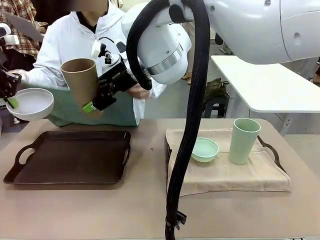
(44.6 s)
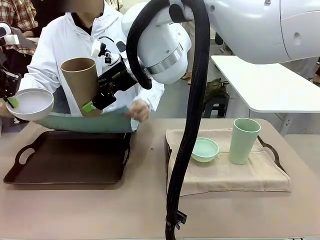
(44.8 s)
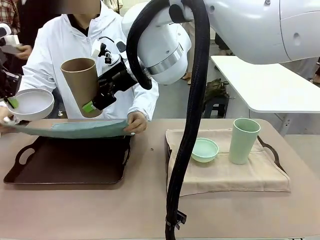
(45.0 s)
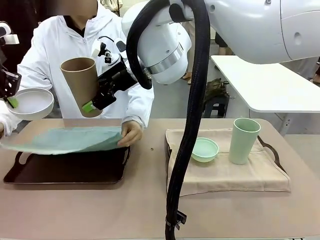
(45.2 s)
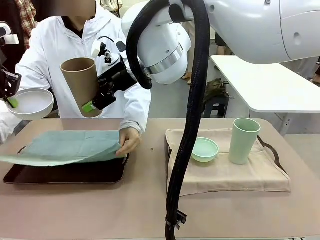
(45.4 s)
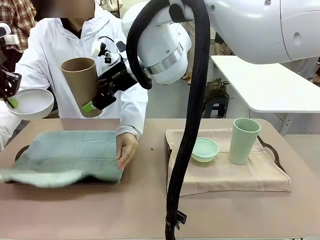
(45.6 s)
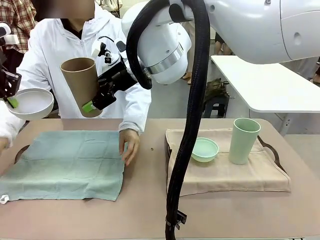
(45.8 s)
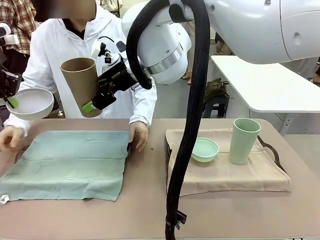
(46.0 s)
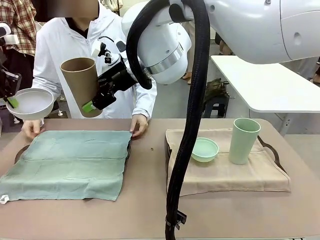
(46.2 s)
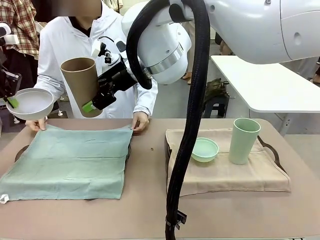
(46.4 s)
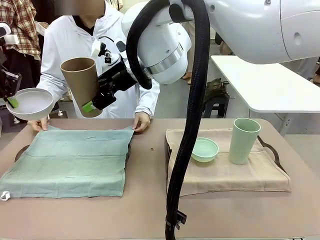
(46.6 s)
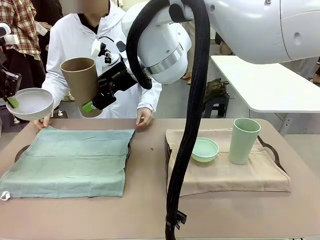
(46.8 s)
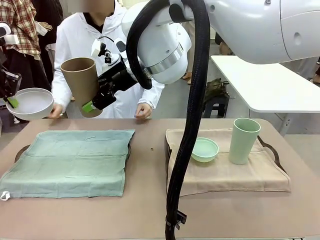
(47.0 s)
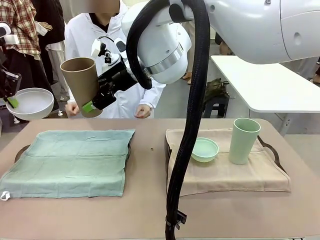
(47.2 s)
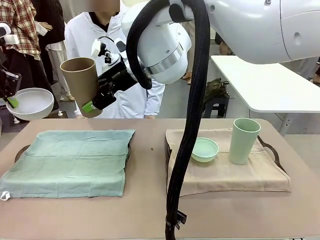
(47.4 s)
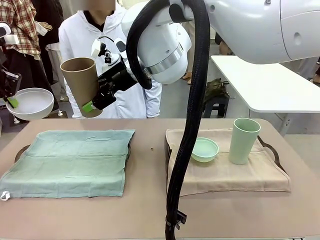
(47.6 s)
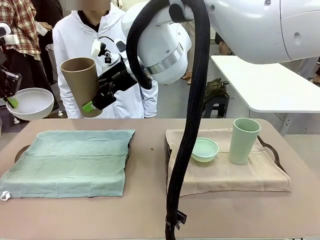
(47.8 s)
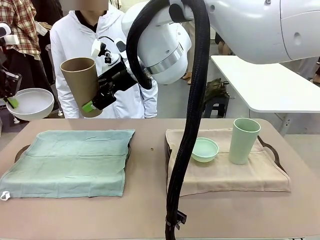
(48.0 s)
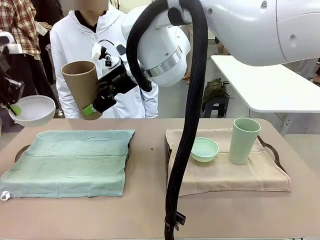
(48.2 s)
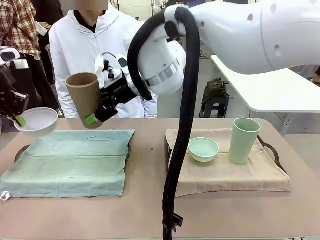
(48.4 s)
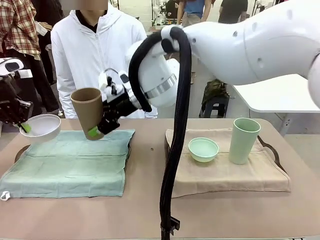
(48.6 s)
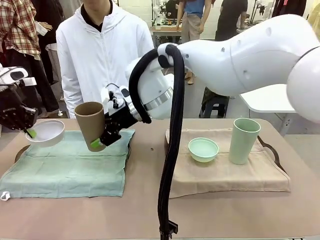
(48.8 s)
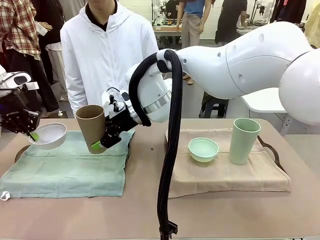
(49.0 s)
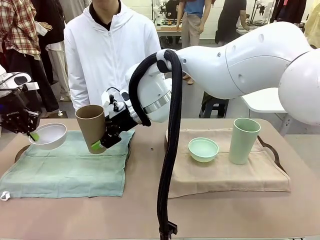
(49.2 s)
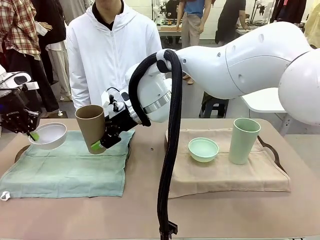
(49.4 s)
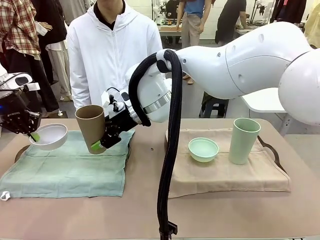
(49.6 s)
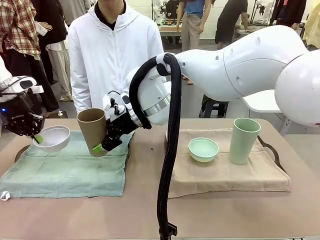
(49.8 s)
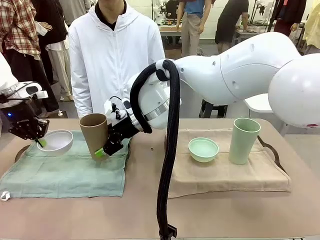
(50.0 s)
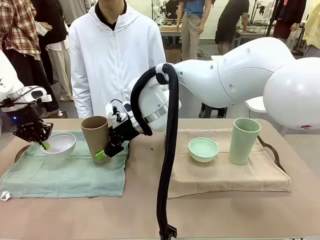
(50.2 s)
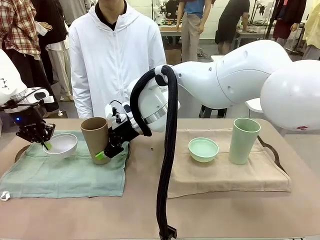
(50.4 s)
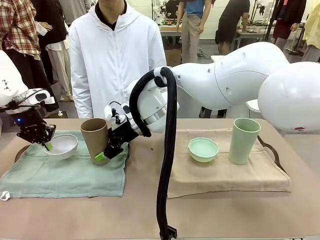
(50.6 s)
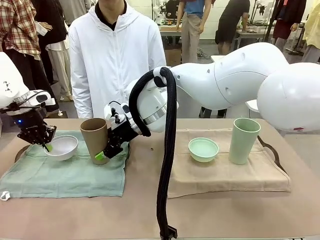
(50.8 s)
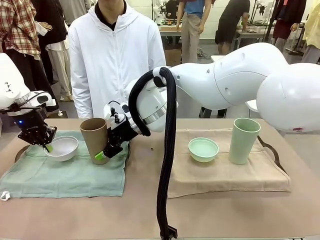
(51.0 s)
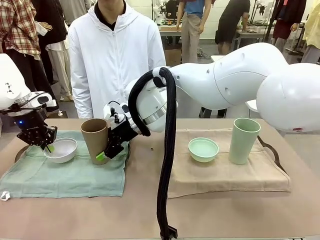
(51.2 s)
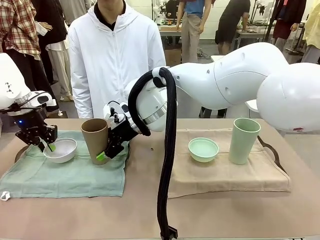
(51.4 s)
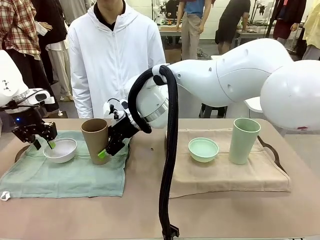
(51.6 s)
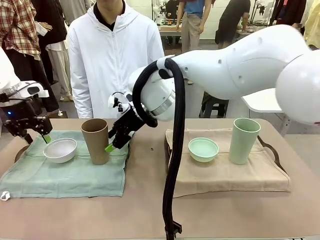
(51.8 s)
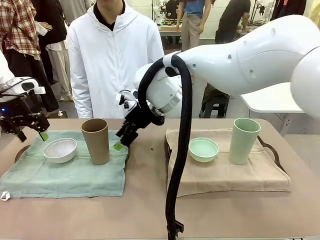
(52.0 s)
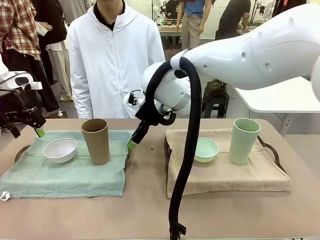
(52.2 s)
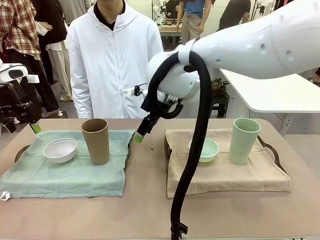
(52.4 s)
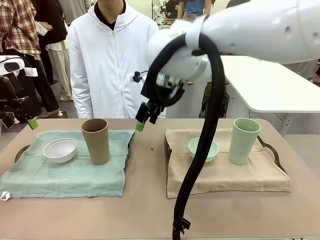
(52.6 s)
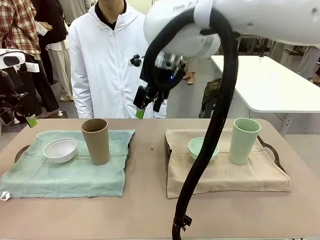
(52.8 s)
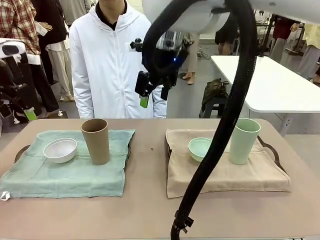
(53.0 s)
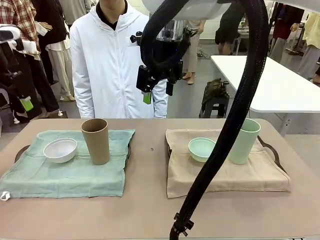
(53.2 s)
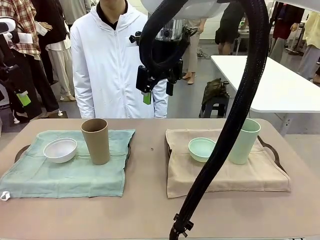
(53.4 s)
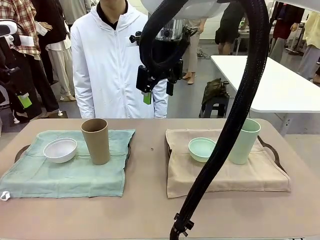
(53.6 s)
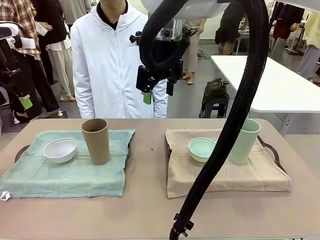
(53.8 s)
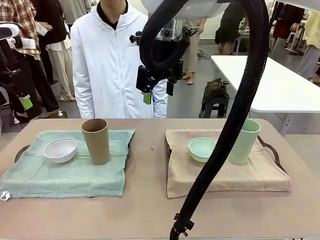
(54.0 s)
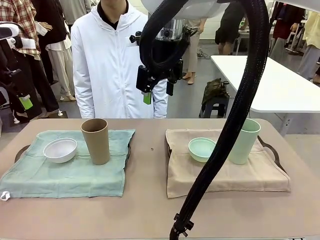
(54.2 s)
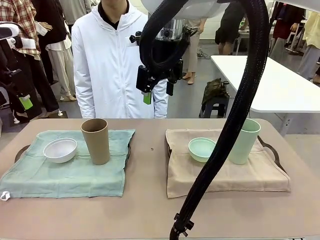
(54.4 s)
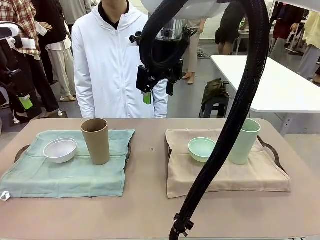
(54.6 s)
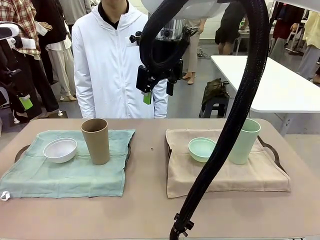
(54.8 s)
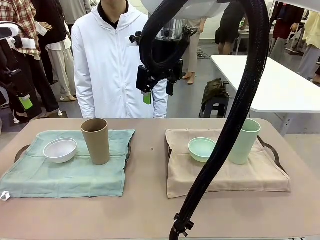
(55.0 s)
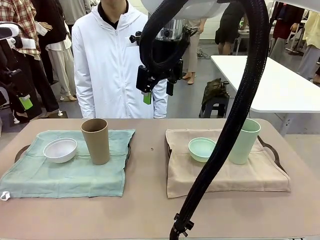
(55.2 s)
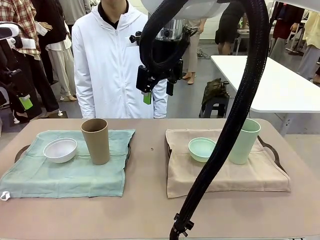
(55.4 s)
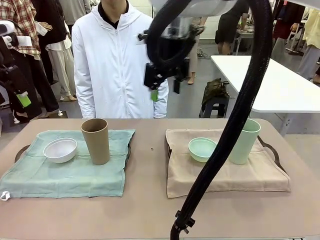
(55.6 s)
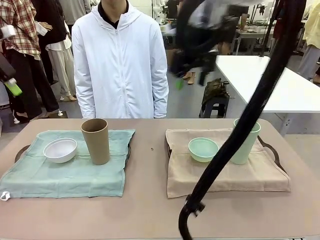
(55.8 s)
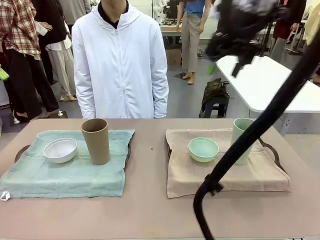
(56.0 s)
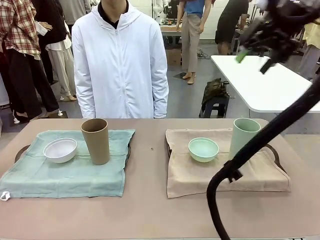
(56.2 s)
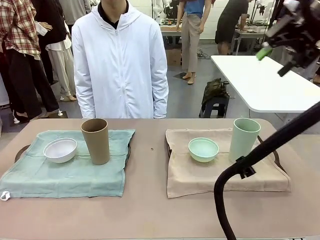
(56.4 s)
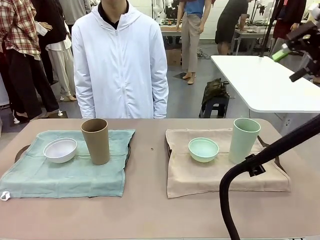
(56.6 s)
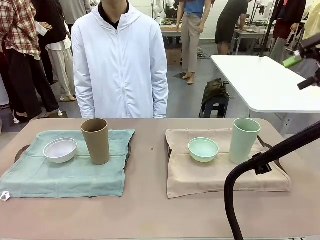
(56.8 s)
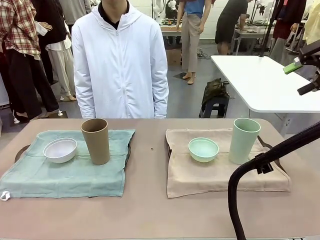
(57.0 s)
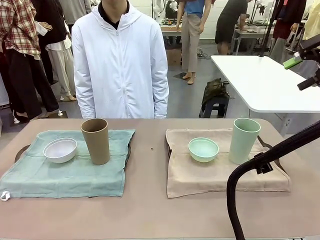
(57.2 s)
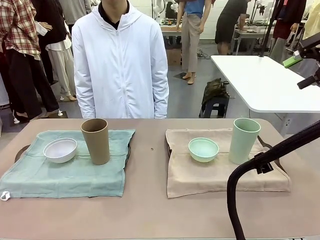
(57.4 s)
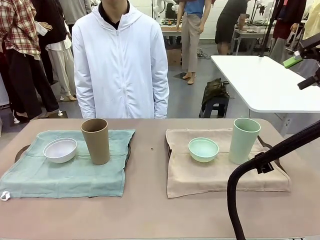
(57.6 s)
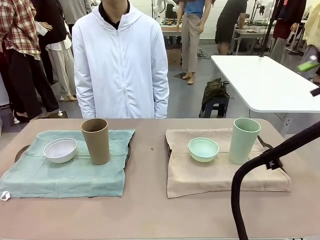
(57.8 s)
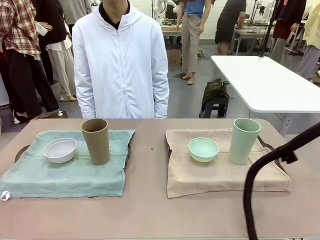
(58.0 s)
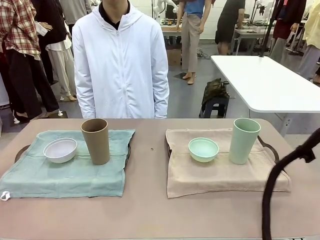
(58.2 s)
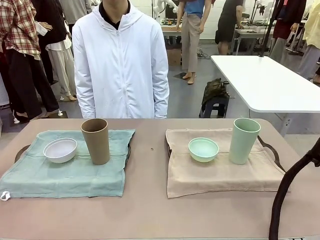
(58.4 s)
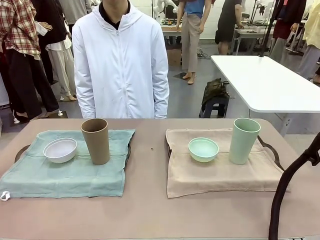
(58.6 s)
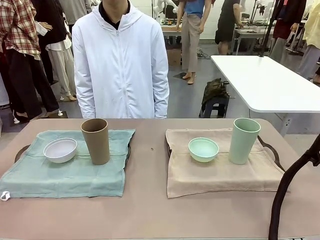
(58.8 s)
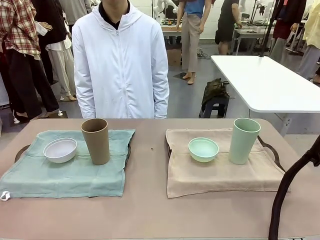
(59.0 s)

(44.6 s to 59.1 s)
Robot: Place the Picnic Bowl and Reusable plastic cup back onto the Handle tray in front of the human's position.
Person: When the robot lifts the bowl and the cup, the human unfolds the napkin and lays the napkin flat on the tray.
